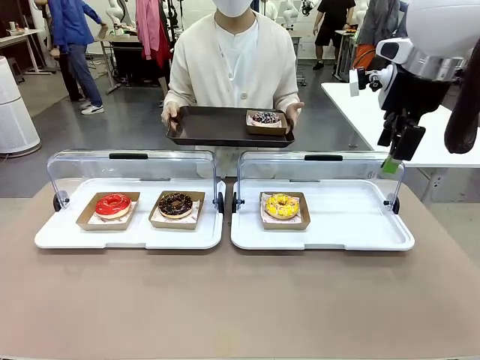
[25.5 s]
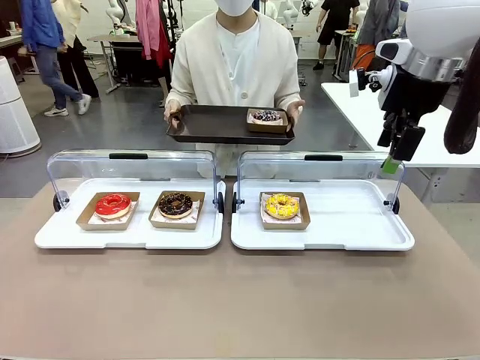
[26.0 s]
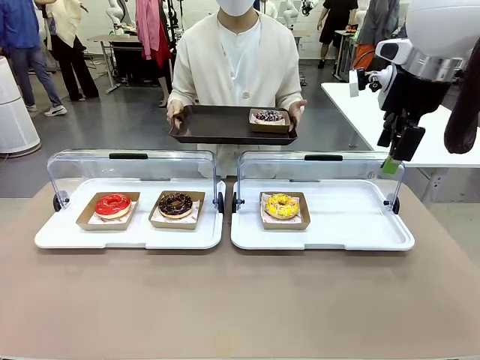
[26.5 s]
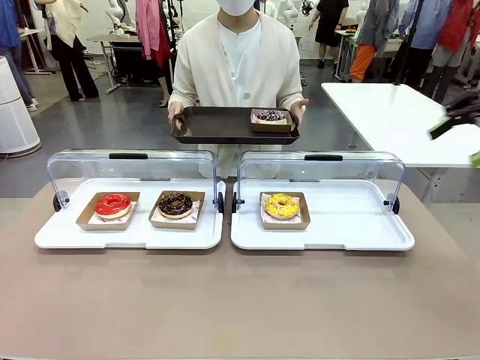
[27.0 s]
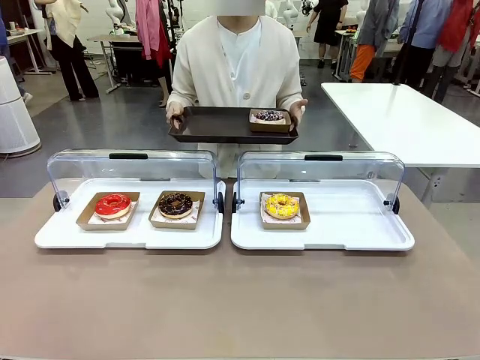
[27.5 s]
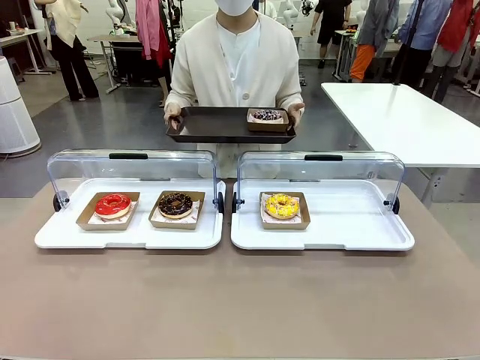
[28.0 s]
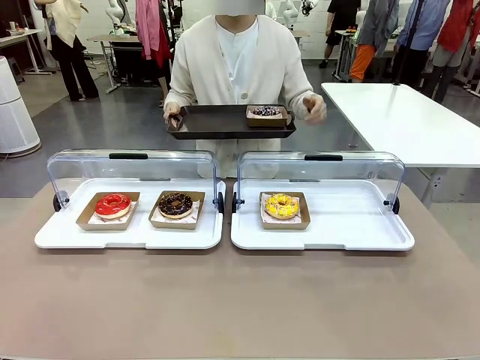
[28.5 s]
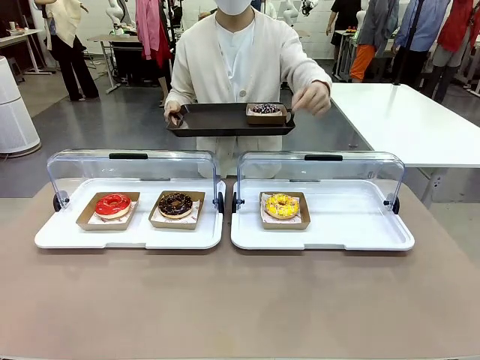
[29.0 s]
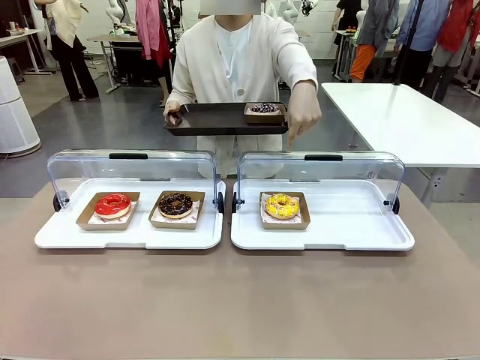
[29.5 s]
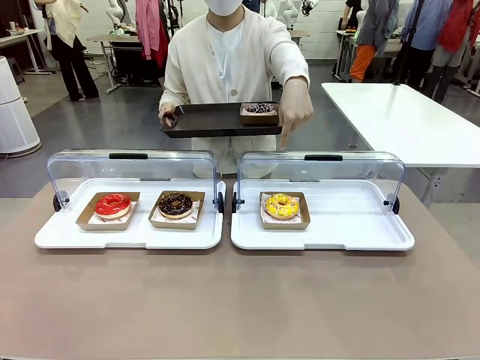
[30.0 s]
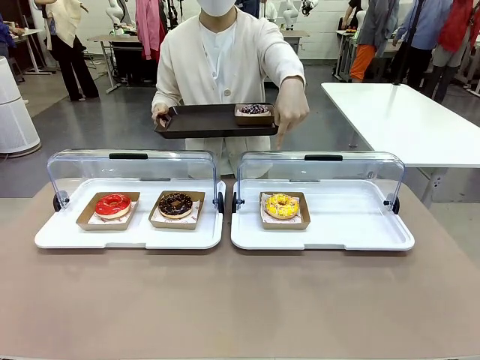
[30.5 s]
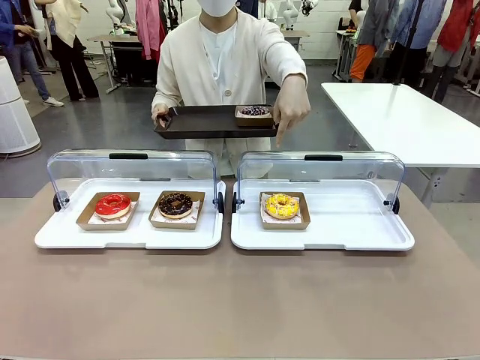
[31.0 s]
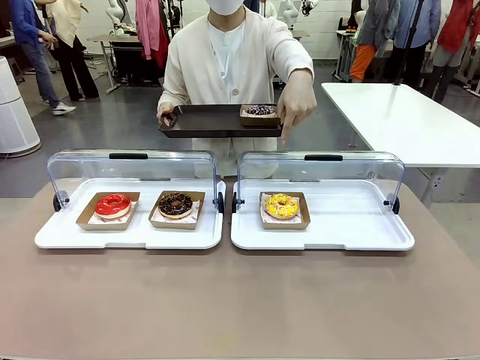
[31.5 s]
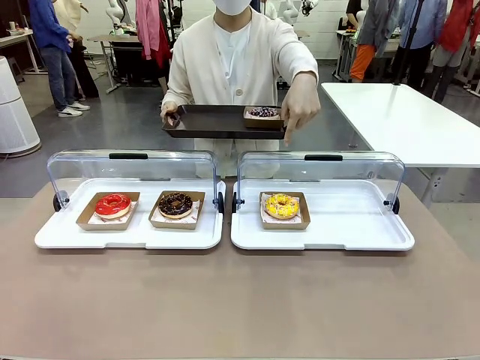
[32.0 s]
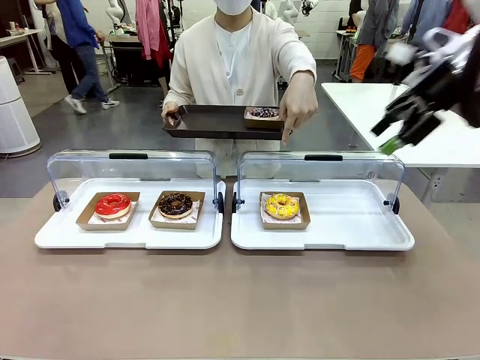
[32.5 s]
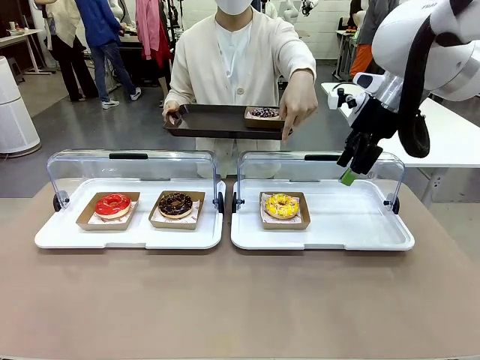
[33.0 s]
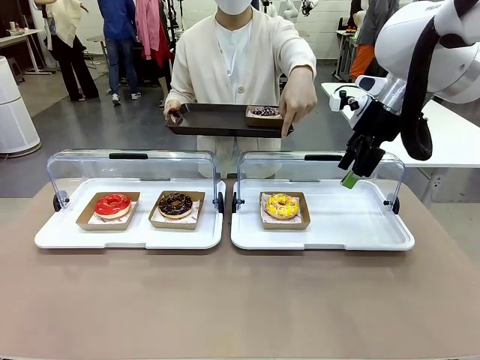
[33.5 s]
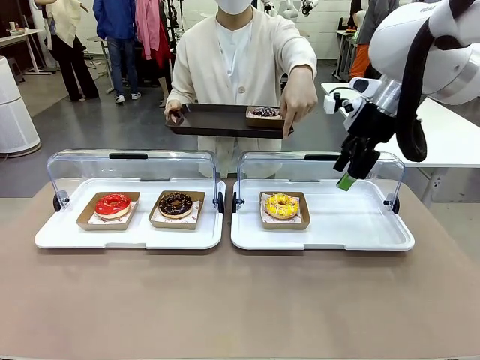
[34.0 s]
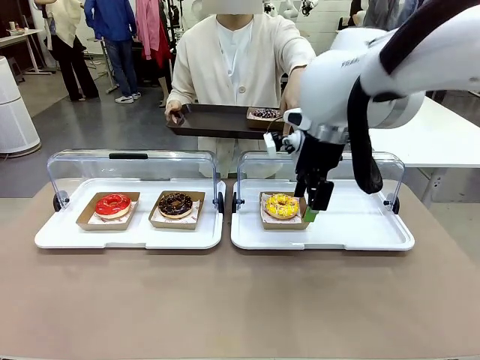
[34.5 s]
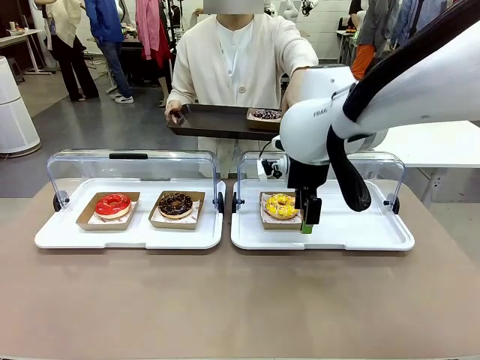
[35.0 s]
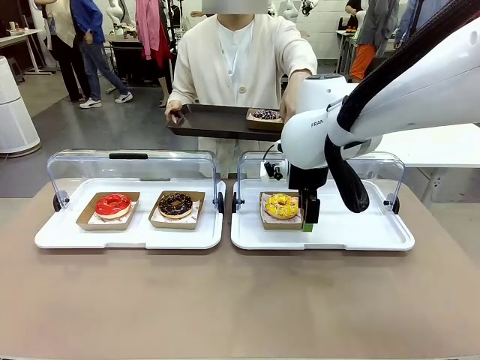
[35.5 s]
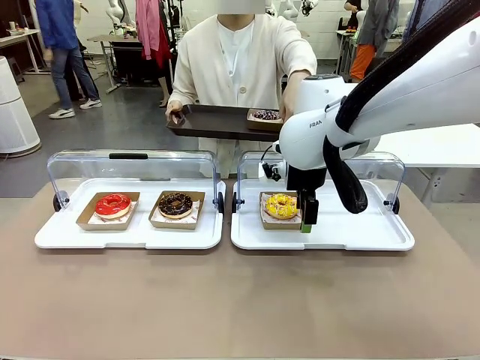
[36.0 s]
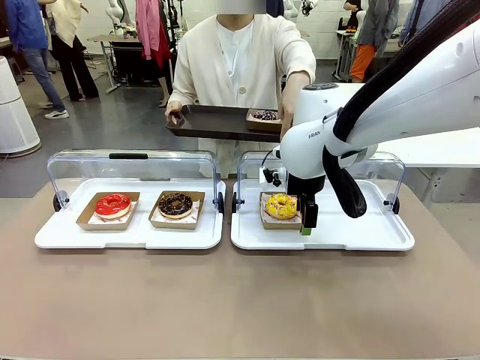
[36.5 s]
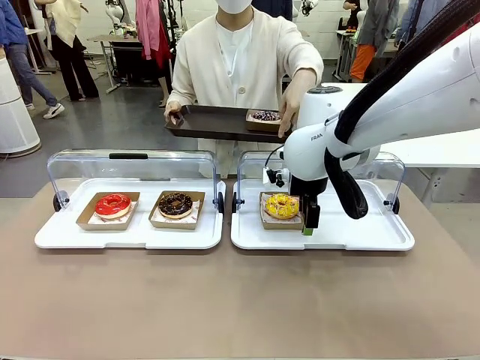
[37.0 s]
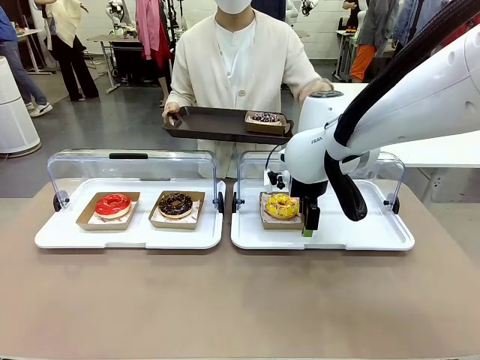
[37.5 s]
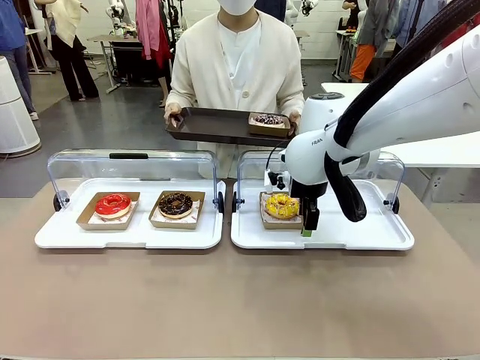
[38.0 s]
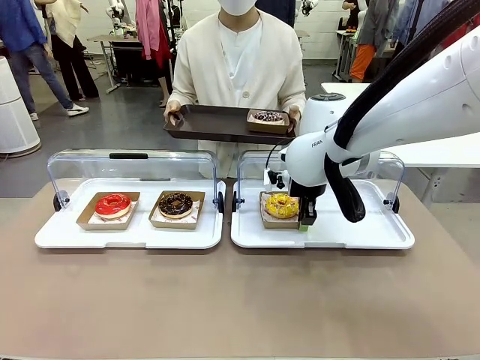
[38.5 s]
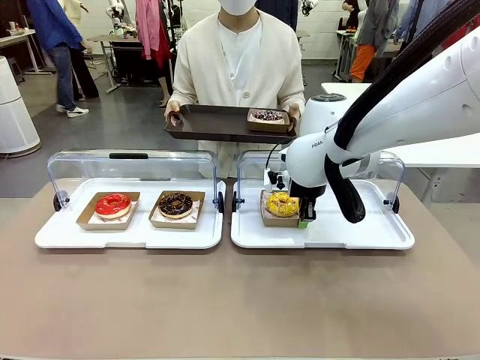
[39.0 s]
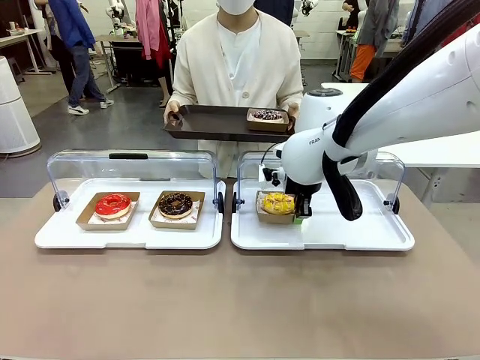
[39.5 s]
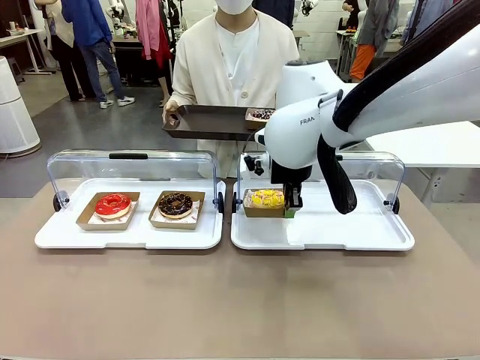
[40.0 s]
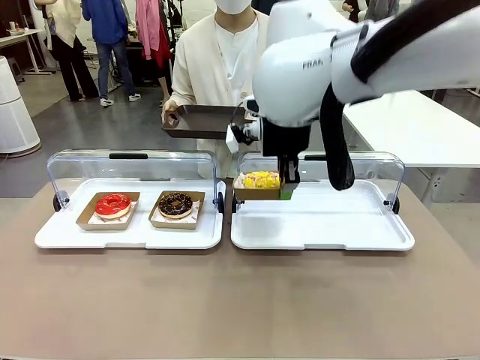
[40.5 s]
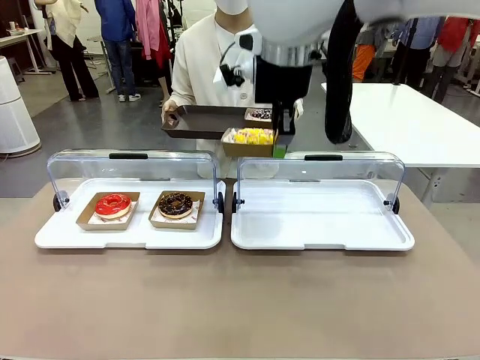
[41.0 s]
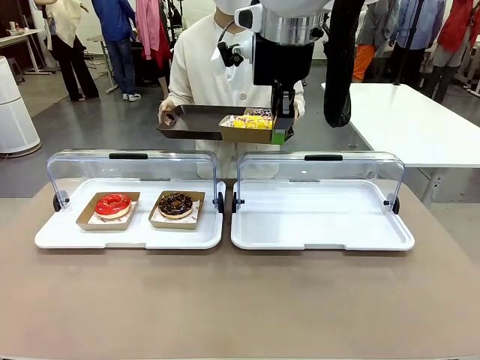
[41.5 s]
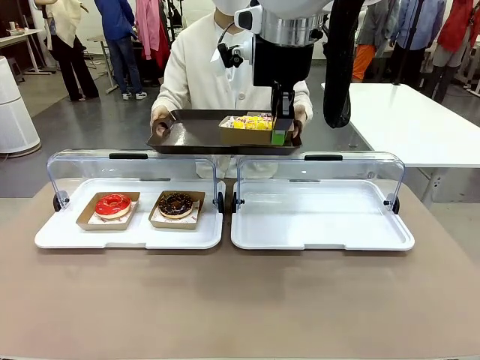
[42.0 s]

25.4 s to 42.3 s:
Task: Provide the desired donut to the person.
Robot: Pick up and lift the Paper togo box containing the Donut pointed at by the person.
Person: Point to one donut. Lift the tray onto the Roll-Top Bakery Case.

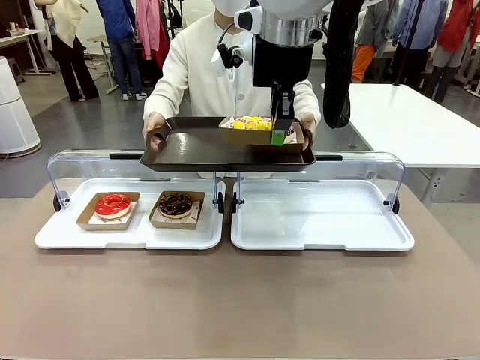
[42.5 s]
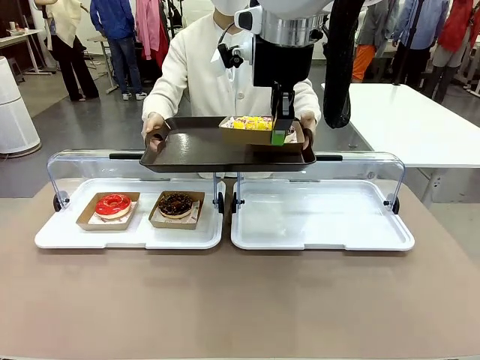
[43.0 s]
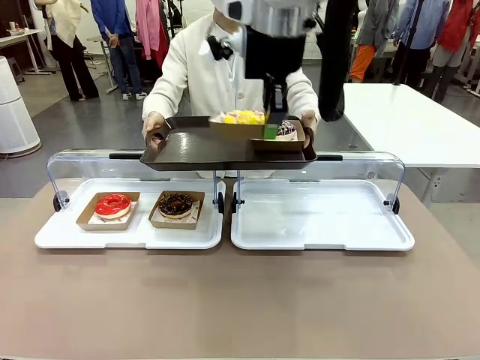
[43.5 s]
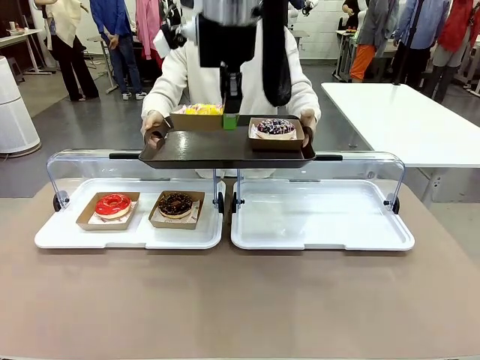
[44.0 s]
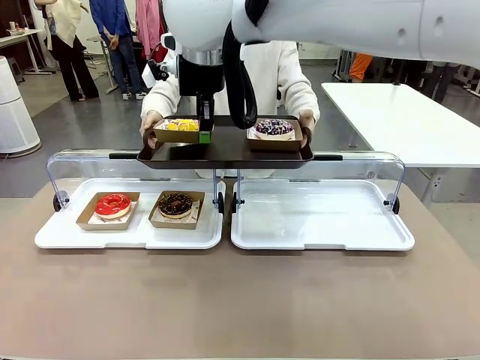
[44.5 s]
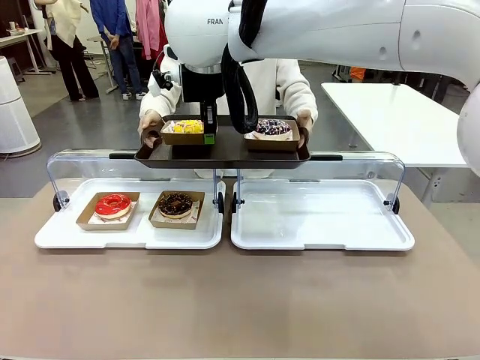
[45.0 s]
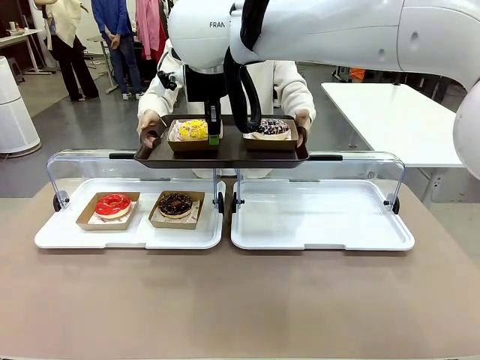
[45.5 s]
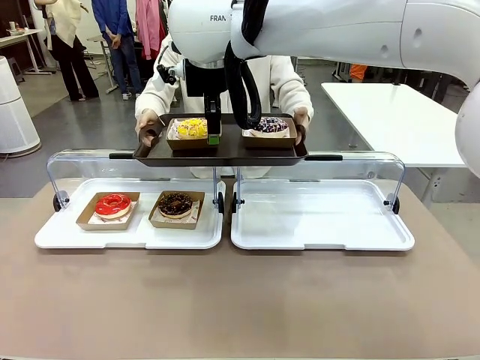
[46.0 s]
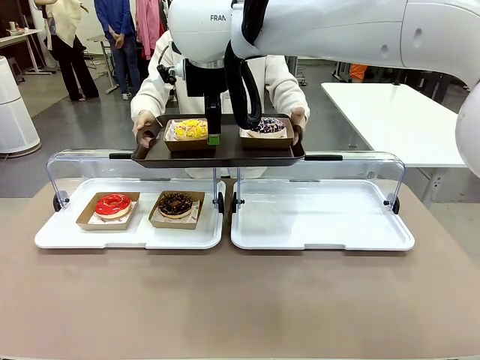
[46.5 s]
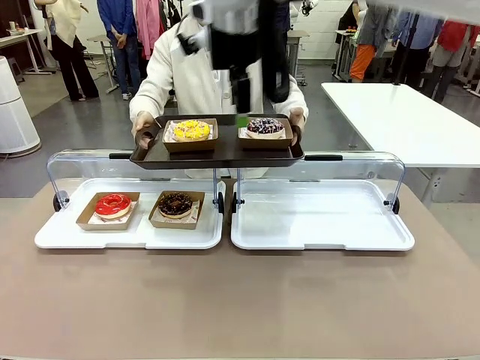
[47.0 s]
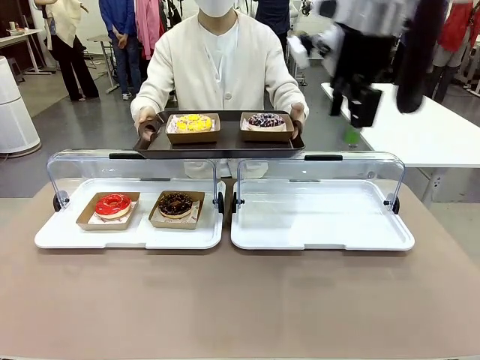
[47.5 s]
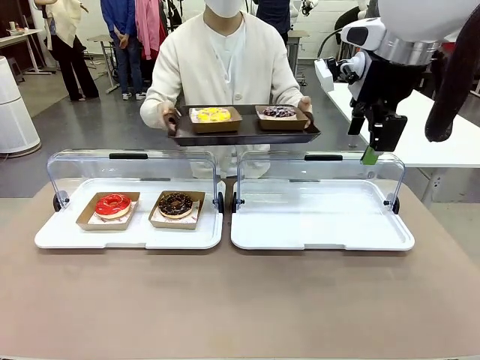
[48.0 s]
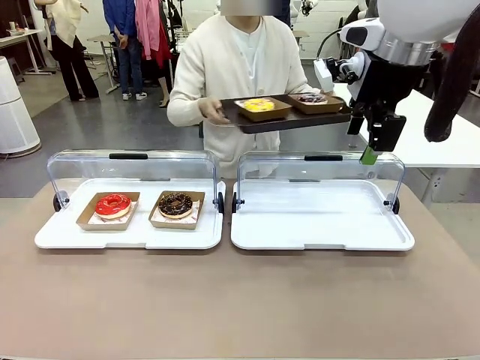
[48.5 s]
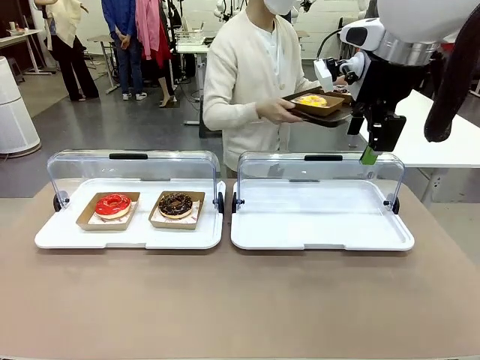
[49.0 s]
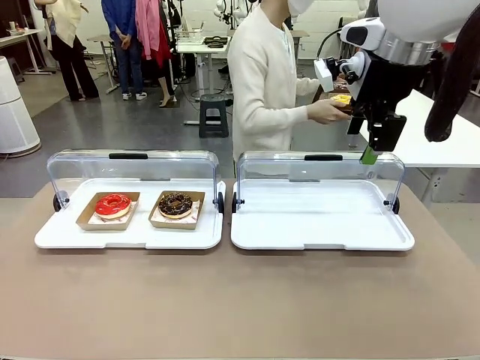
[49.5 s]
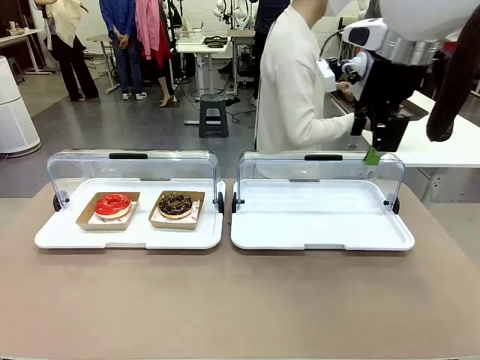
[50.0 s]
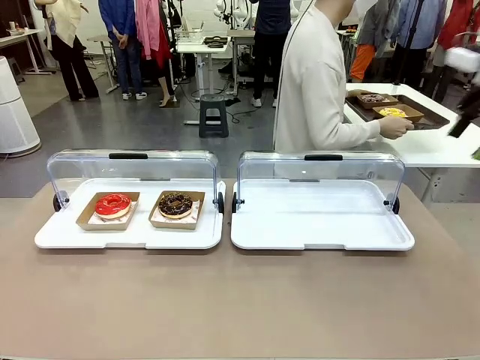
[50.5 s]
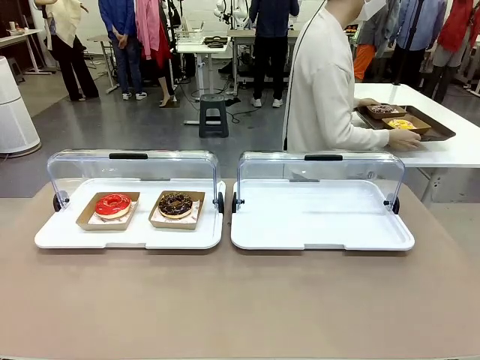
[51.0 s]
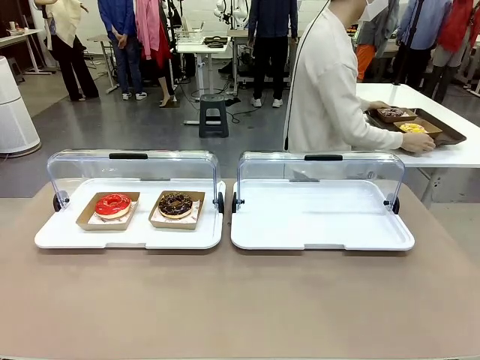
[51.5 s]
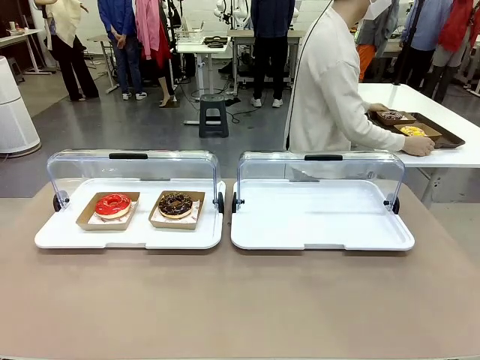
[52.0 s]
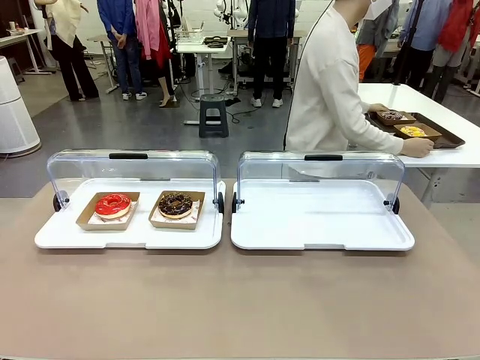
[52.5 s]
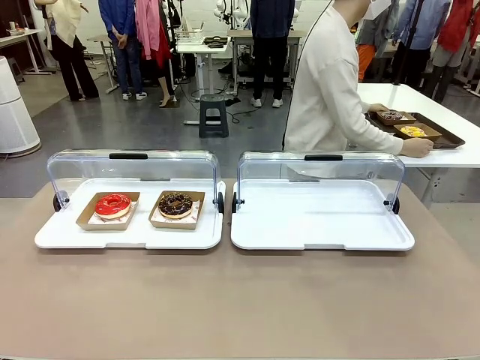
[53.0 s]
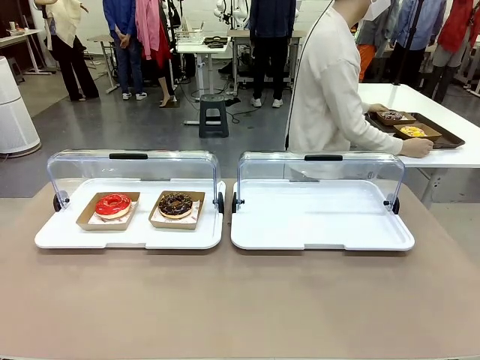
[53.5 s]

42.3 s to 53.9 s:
Robot: Place the picked Paper togo box onto the Handle tray extended by the person.
Person: Place the tray in the middle of the human table.
